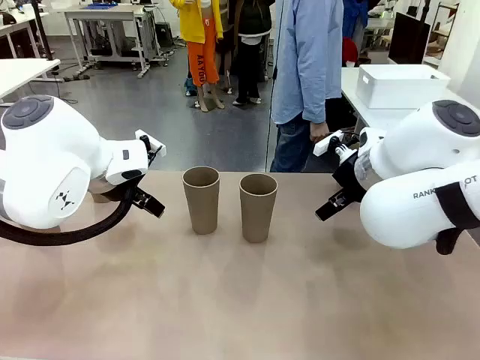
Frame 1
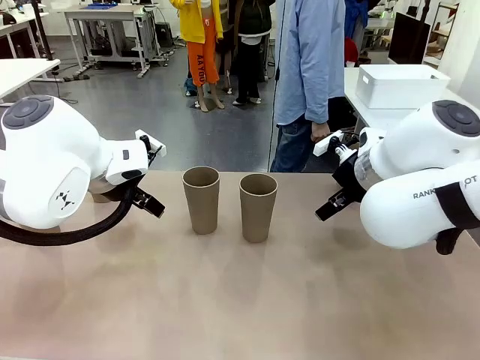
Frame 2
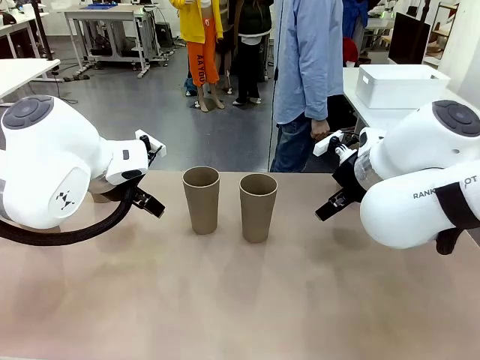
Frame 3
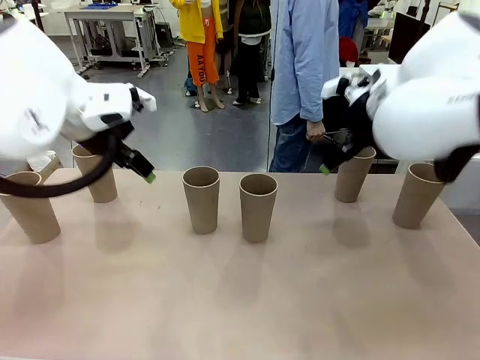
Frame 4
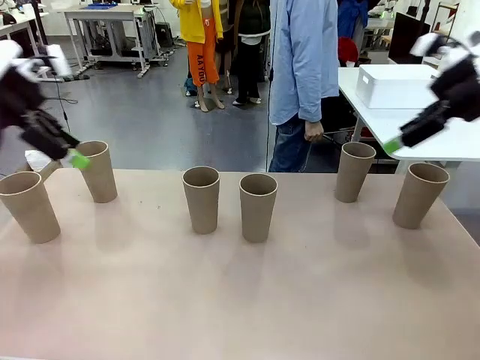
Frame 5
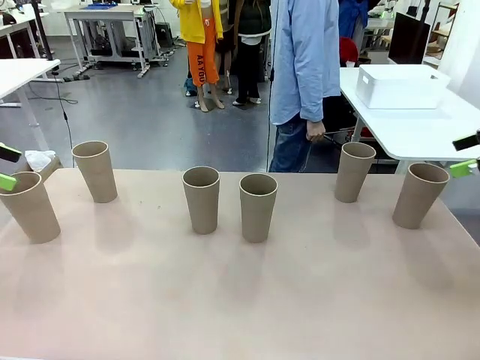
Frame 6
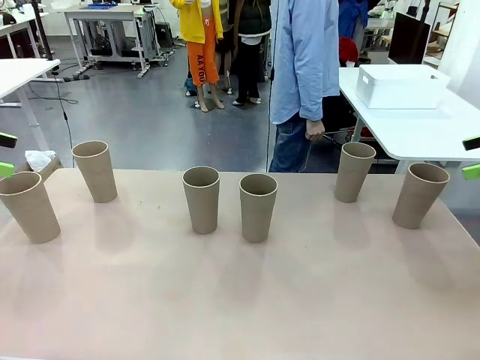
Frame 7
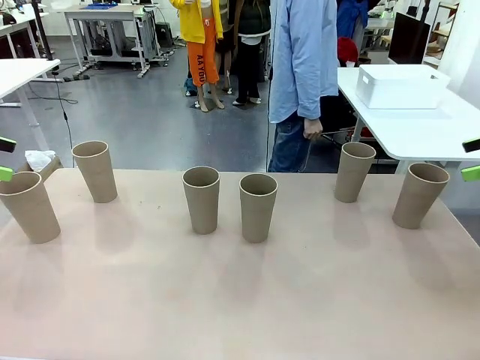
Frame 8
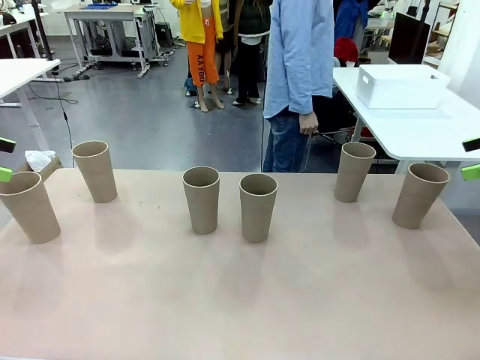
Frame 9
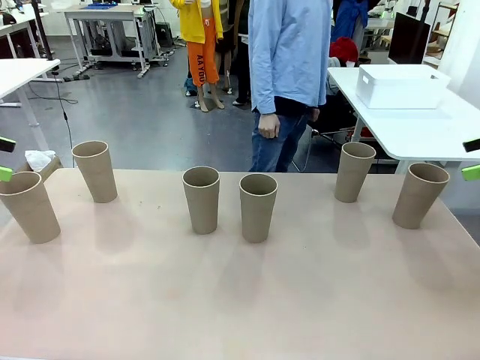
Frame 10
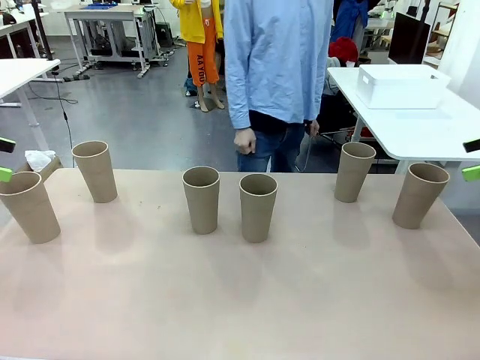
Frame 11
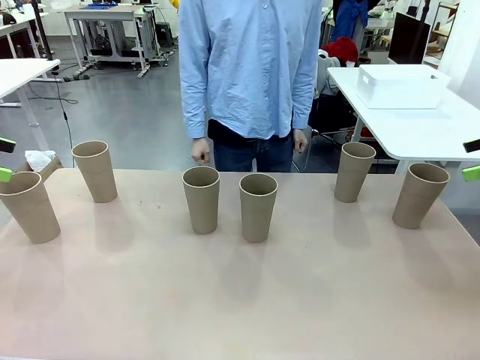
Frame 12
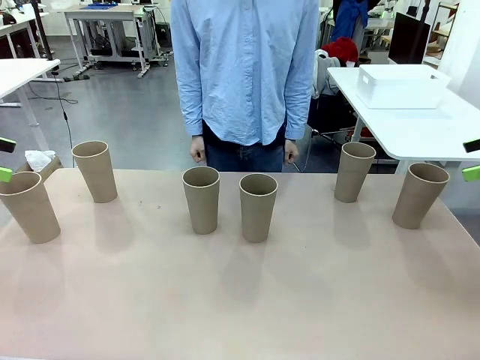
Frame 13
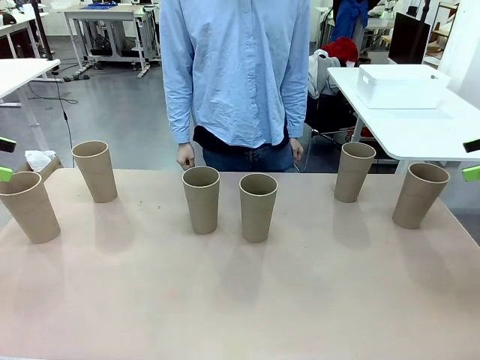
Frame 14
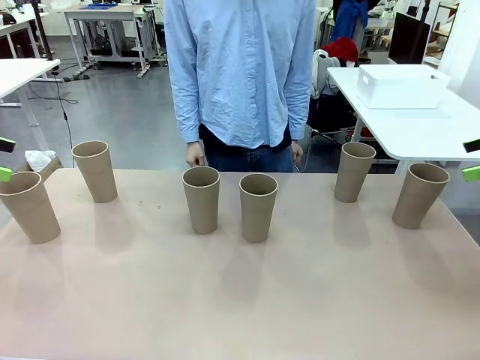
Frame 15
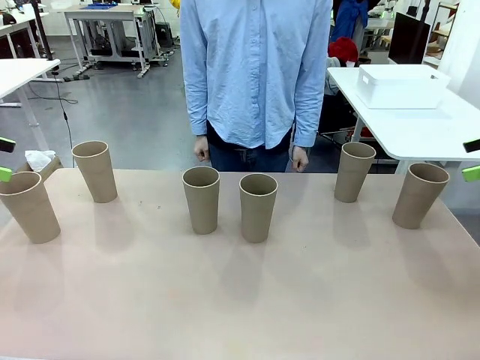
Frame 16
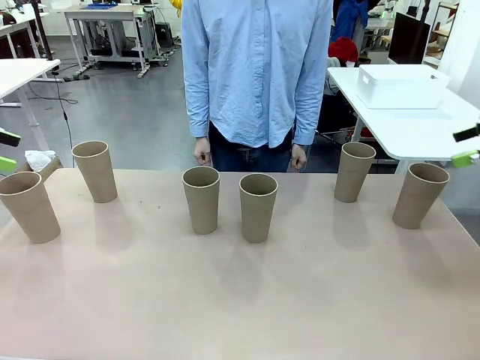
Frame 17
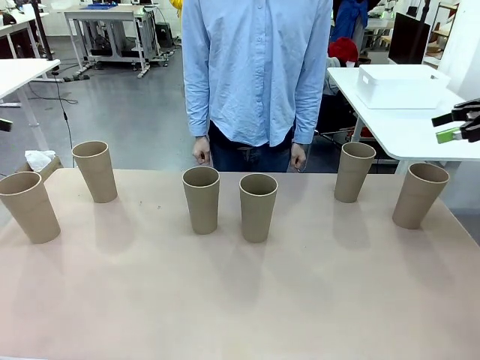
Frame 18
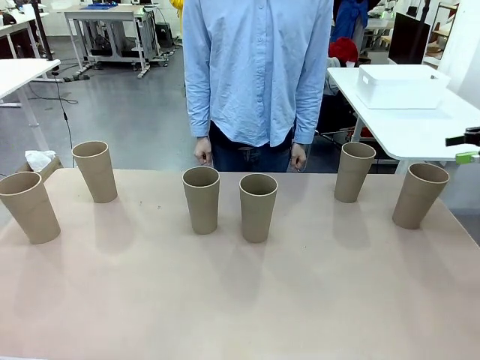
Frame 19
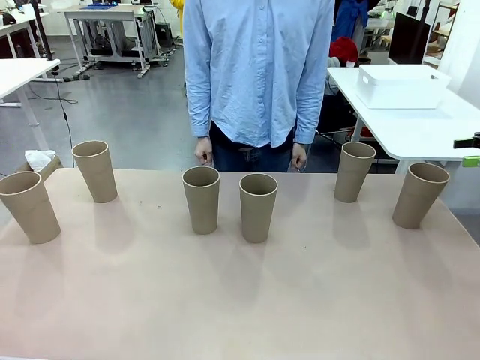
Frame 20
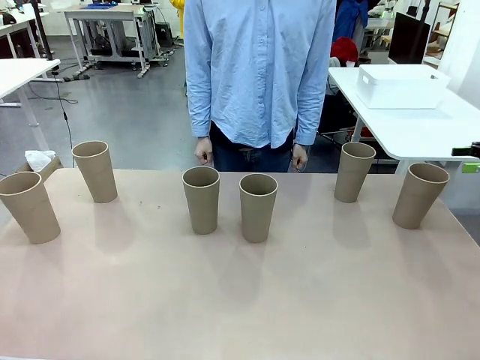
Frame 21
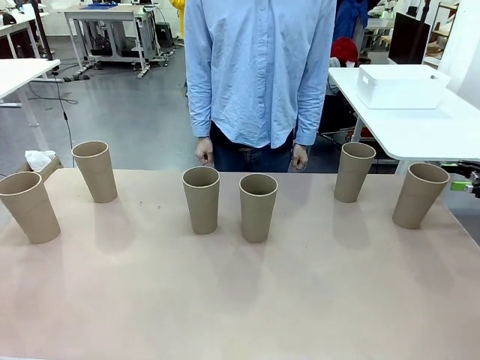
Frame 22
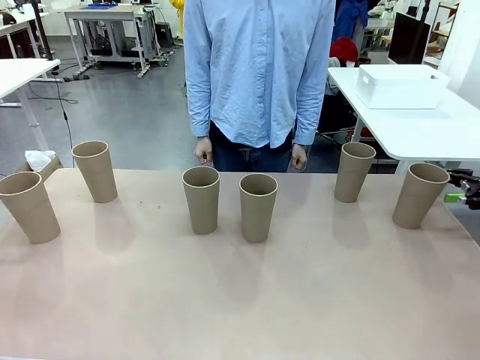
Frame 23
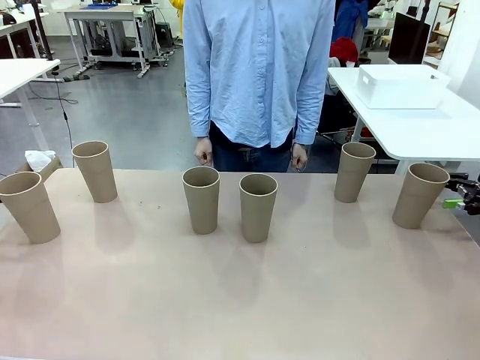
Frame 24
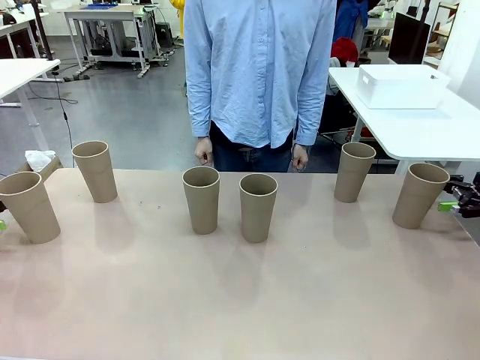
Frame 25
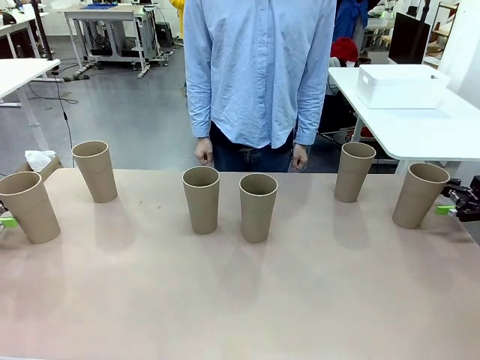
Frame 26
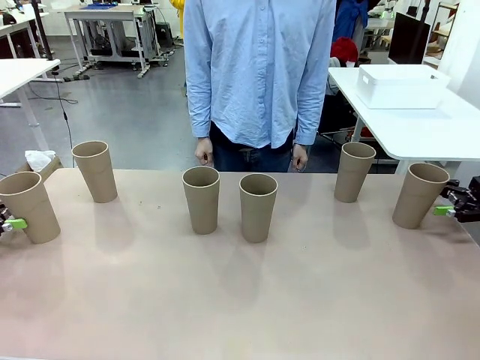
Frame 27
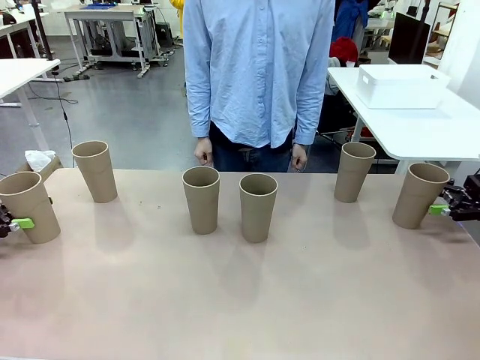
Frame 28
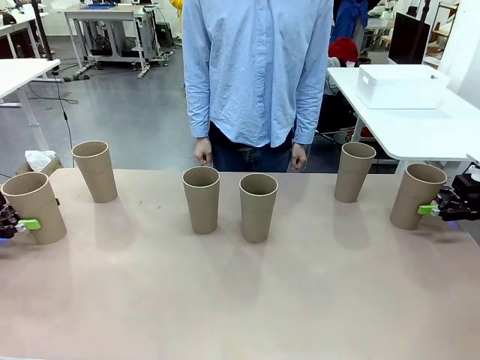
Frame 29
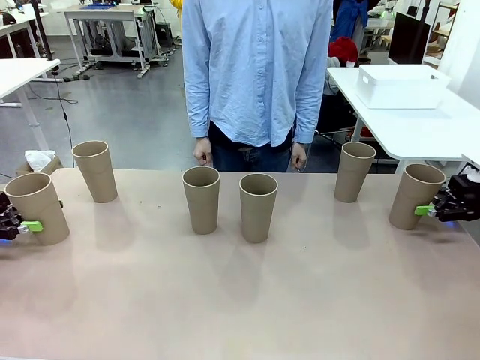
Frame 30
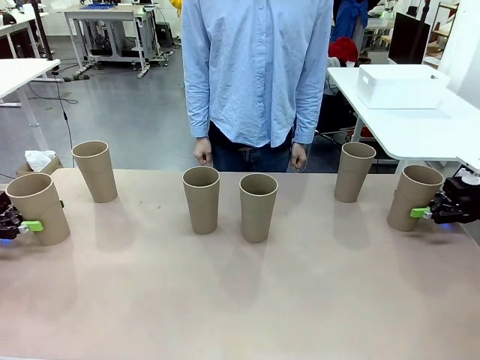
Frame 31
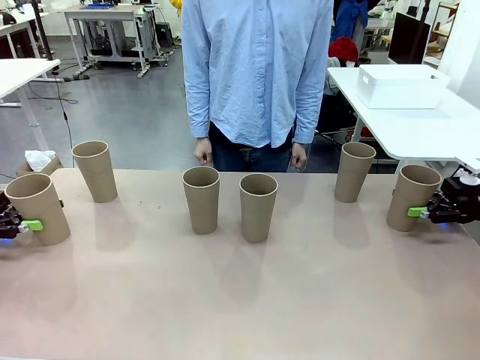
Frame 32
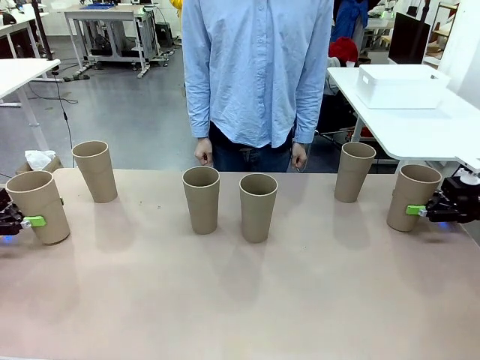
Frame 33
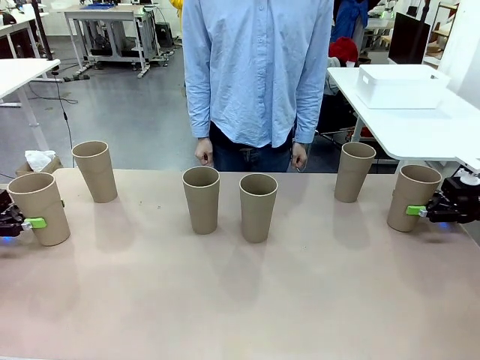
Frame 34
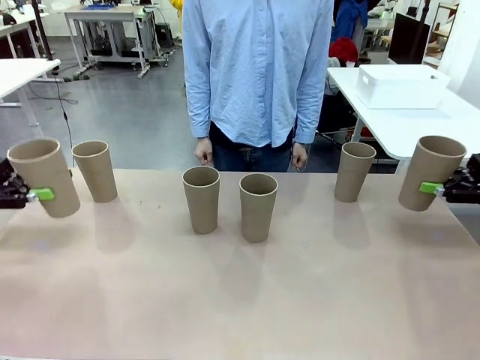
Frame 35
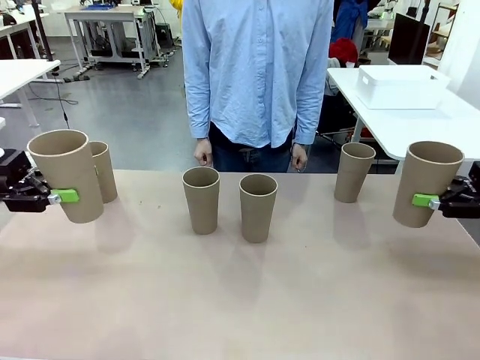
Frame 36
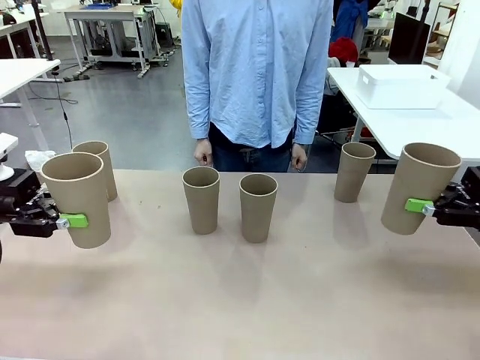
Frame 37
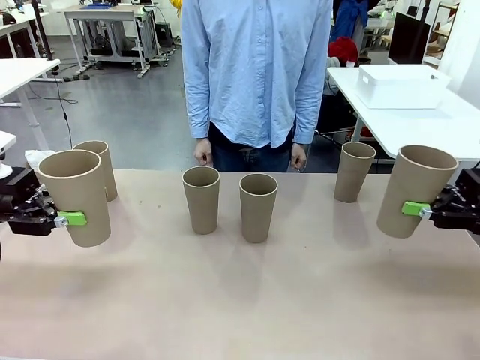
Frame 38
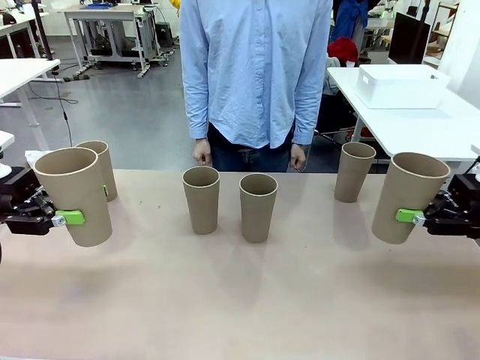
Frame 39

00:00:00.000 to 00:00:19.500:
Task: Stack the cups and store them in the basket.
Robot: Pick up two Reusable plastic cups , one in each hand.
Person: Move from the Human Table to the front of the Robot Table. Stack two of the remaining cups on top of each cup held by the robot.

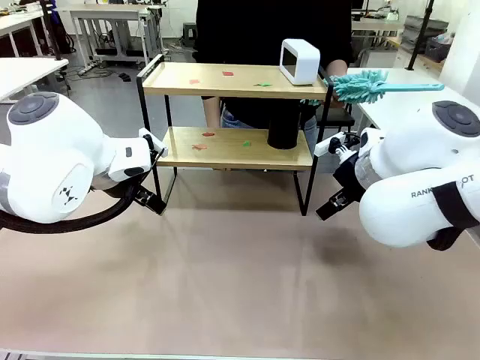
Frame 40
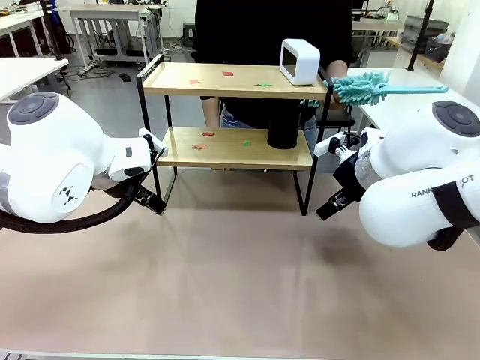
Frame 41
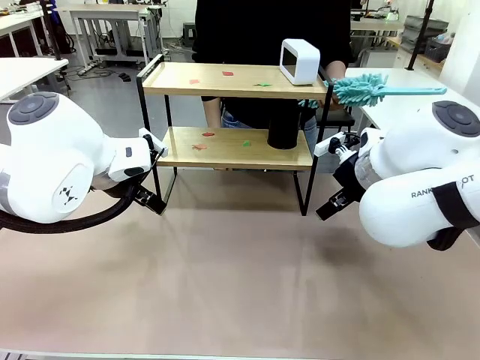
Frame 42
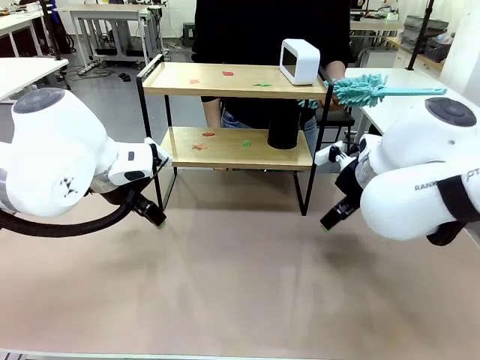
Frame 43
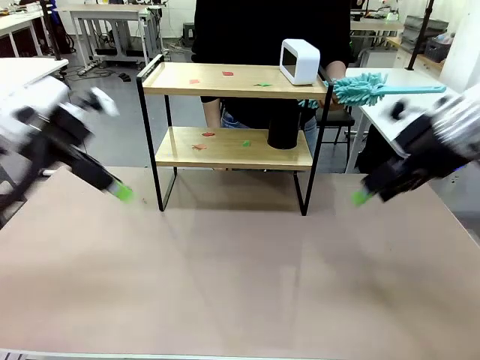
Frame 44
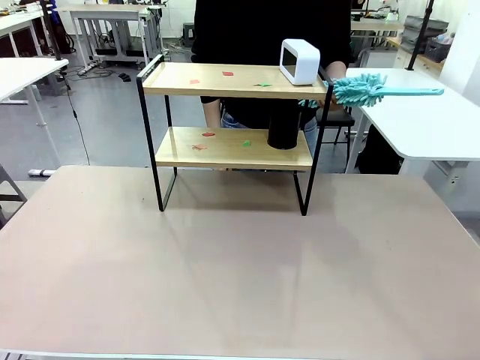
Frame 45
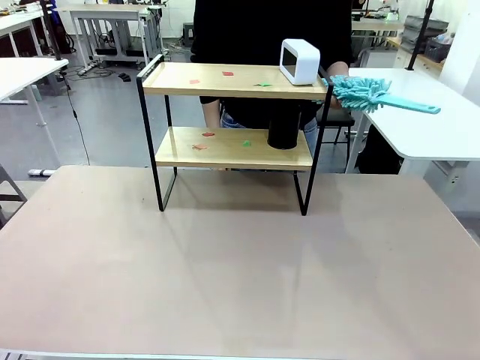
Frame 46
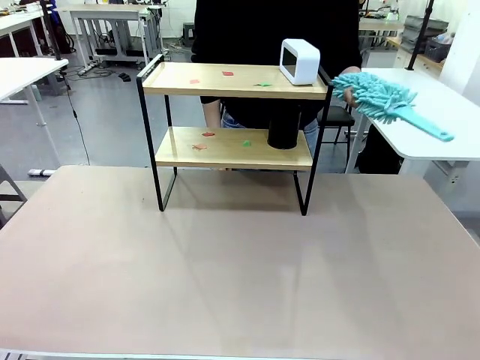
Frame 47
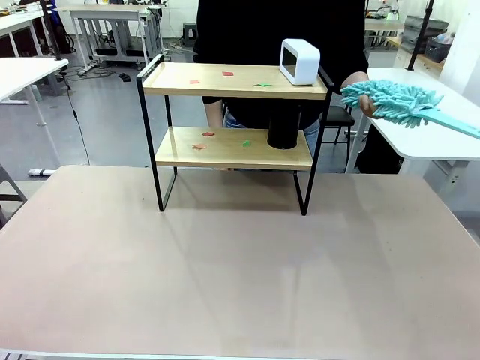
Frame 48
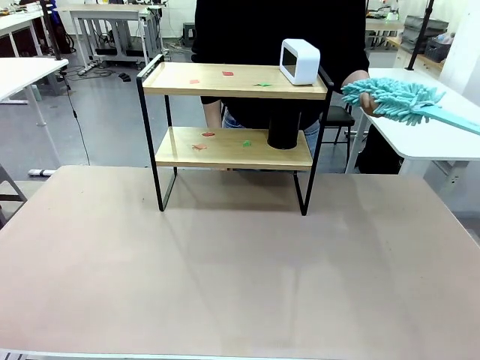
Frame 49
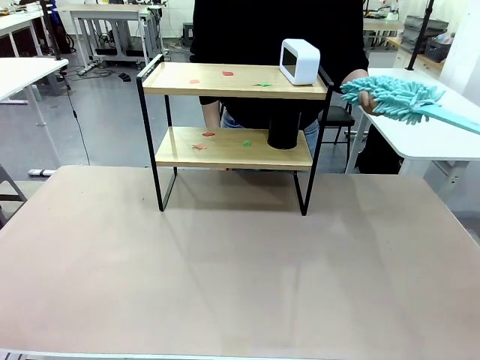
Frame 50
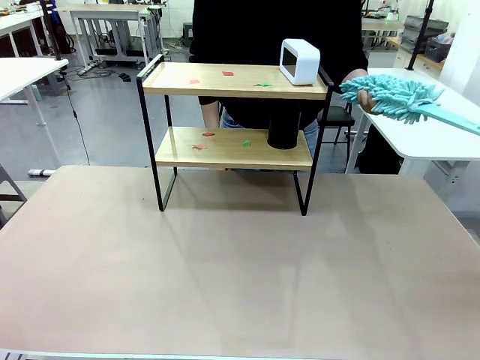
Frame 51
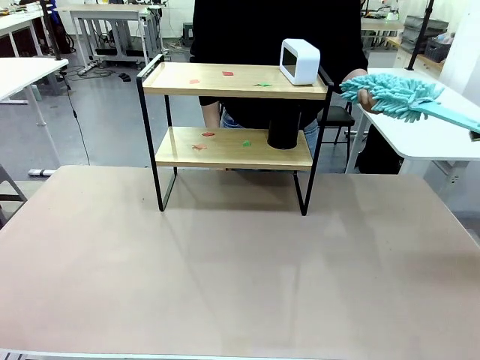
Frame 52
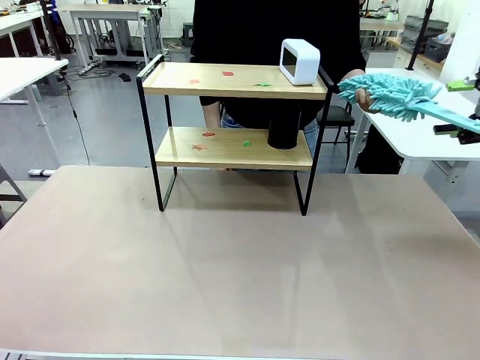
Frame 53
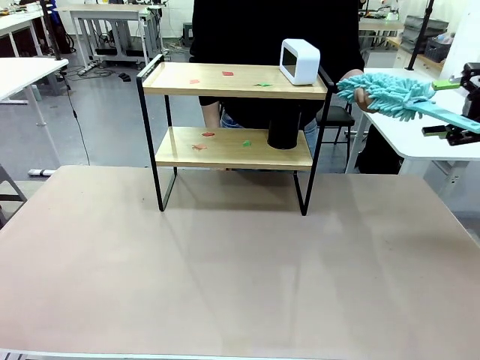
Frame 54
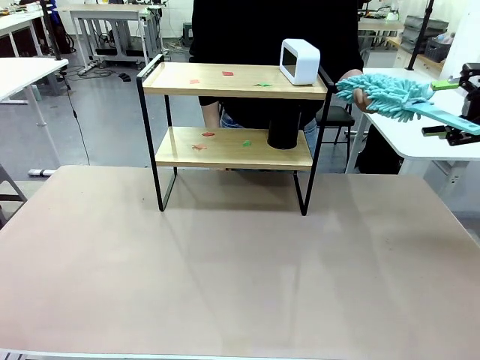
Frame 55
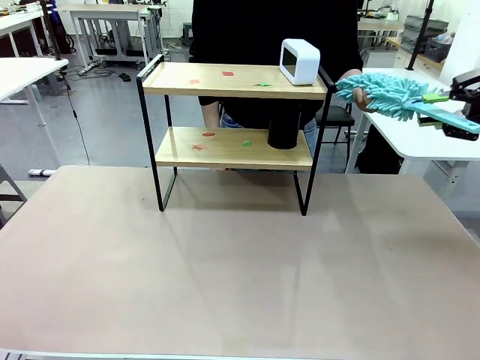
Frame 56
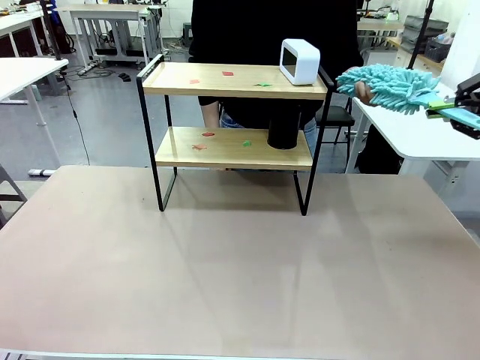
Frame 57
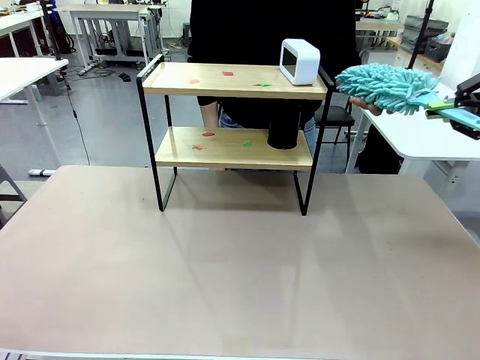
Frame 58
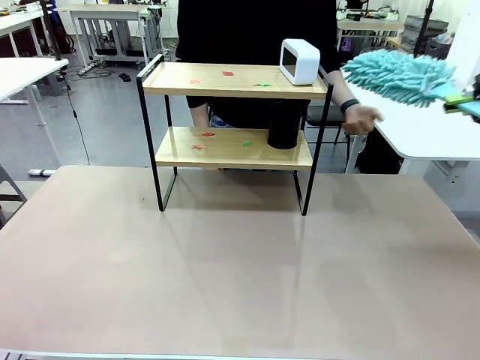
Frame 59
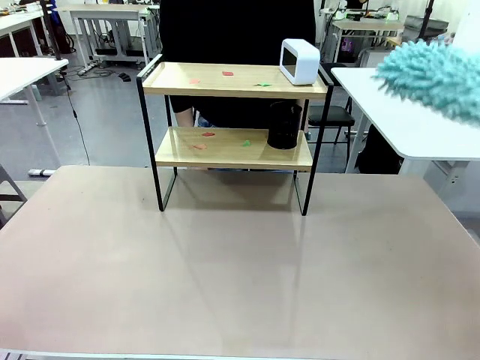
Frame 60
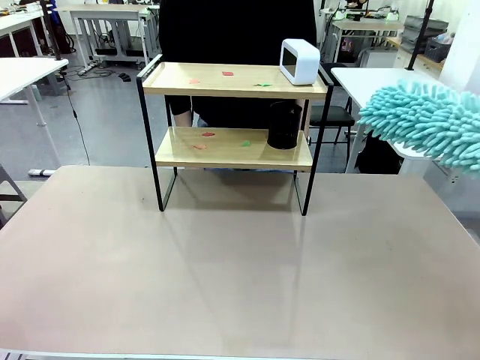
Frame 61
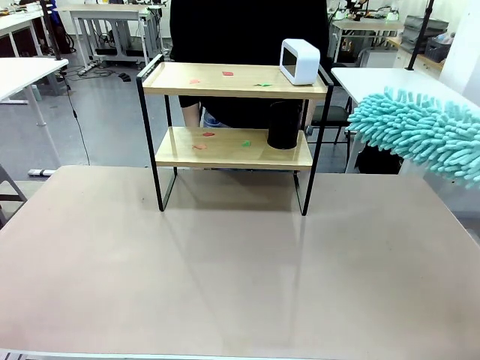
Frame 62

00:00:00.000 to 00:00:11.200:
Task: Clean the shelf.
Robot: Pick up the Duster from the human.
Person: Hand the Duster to the robot.
